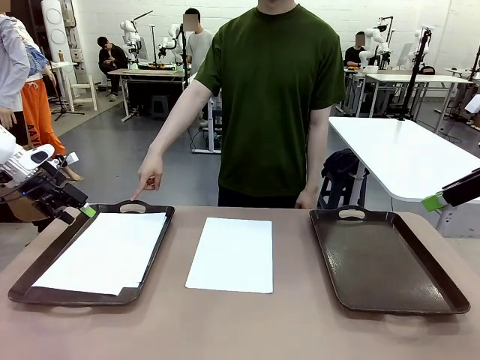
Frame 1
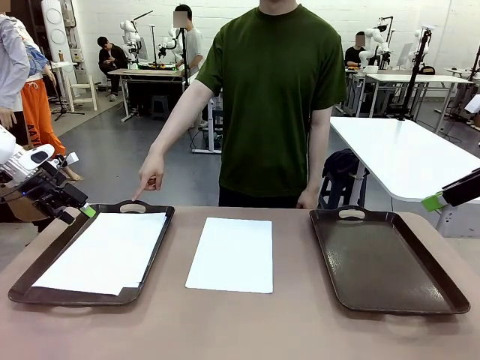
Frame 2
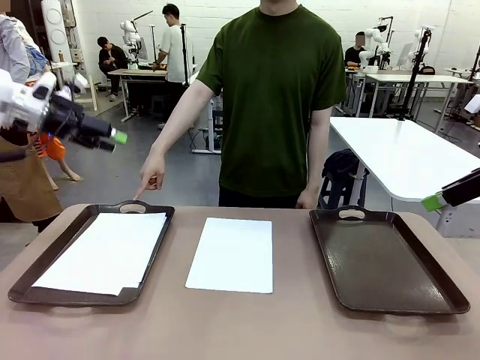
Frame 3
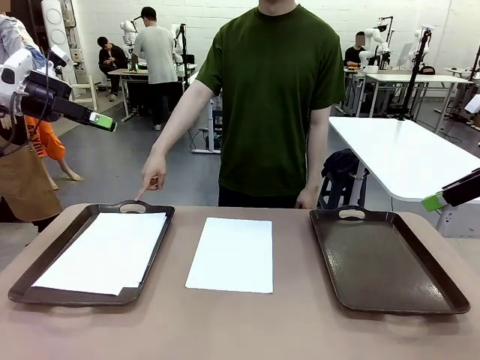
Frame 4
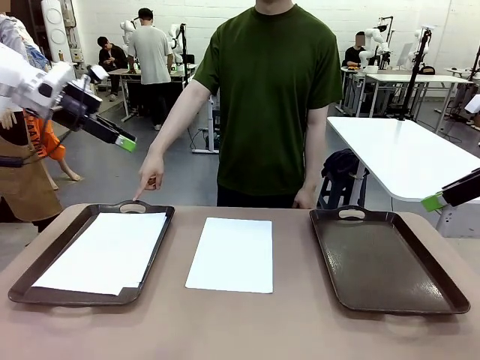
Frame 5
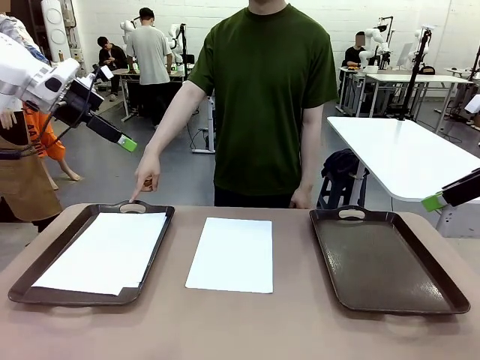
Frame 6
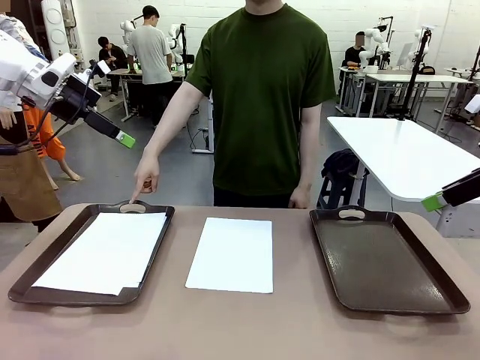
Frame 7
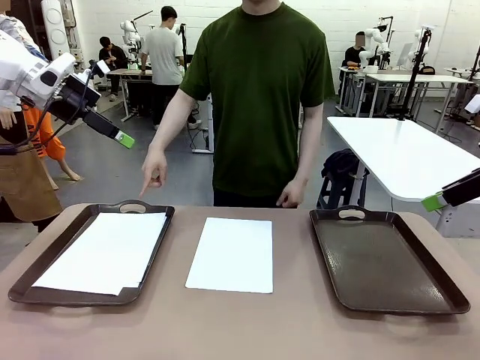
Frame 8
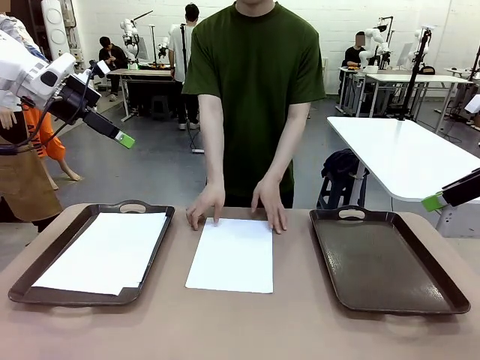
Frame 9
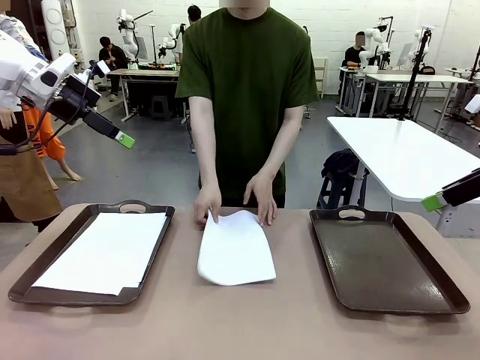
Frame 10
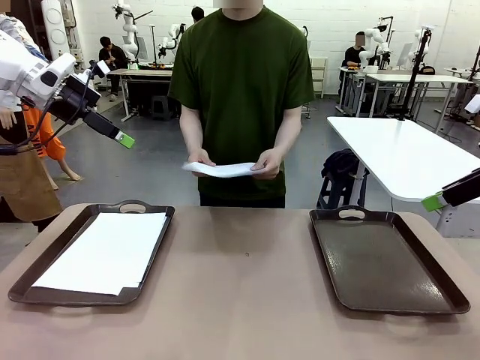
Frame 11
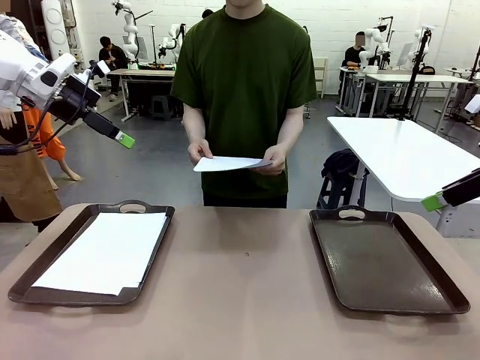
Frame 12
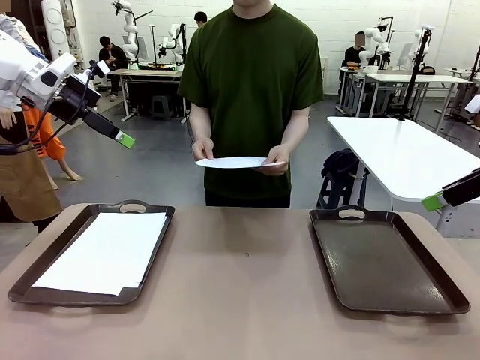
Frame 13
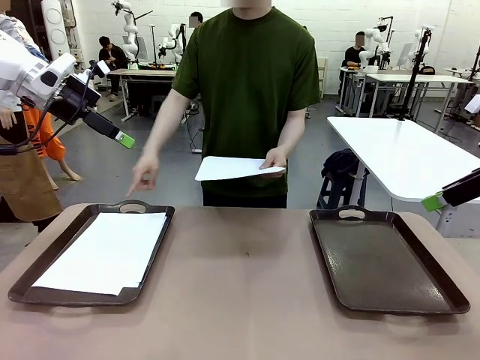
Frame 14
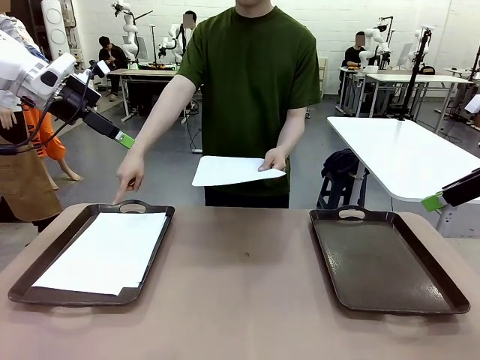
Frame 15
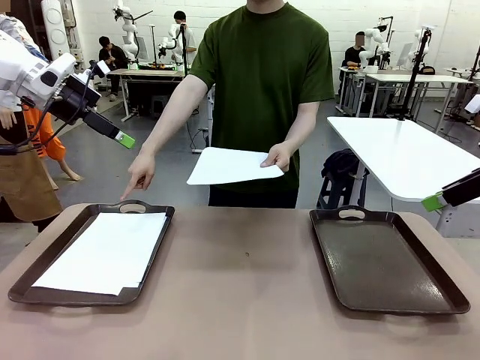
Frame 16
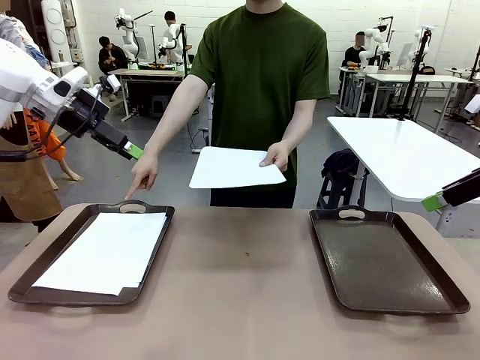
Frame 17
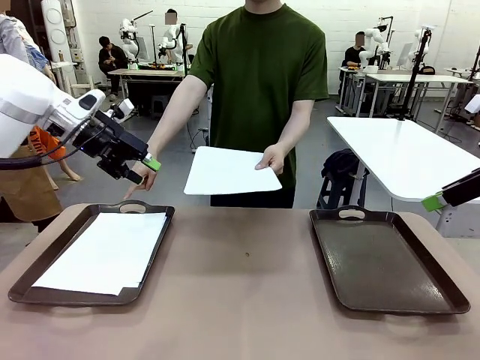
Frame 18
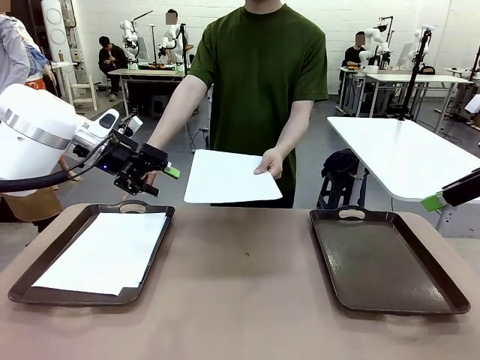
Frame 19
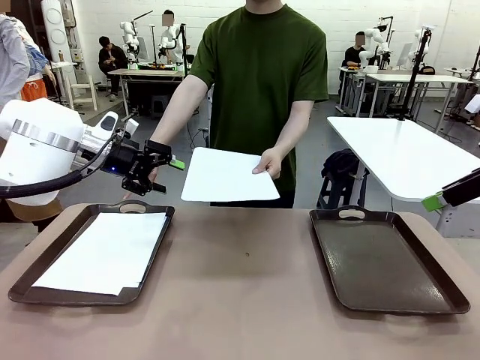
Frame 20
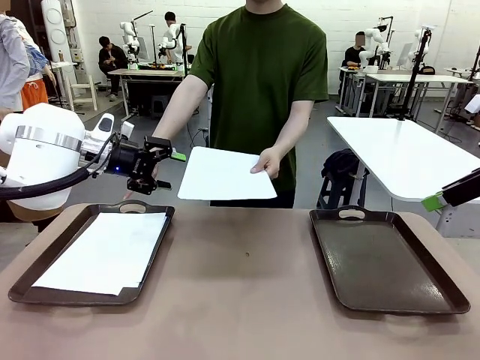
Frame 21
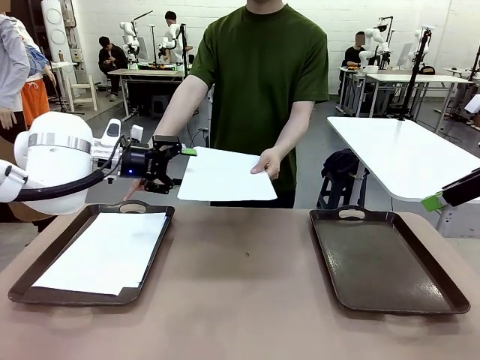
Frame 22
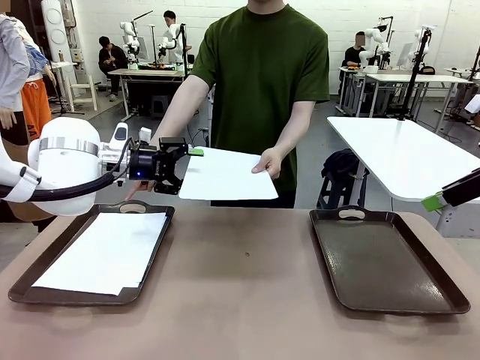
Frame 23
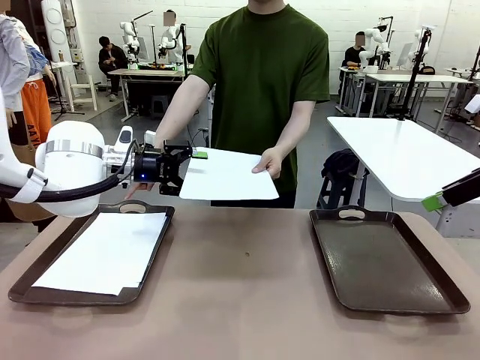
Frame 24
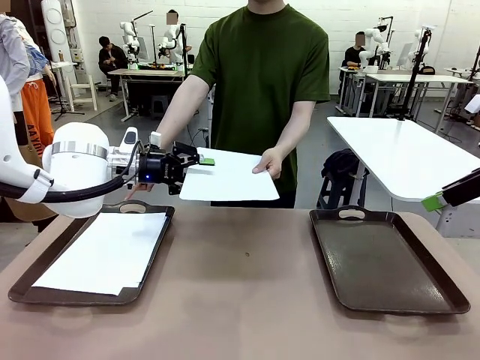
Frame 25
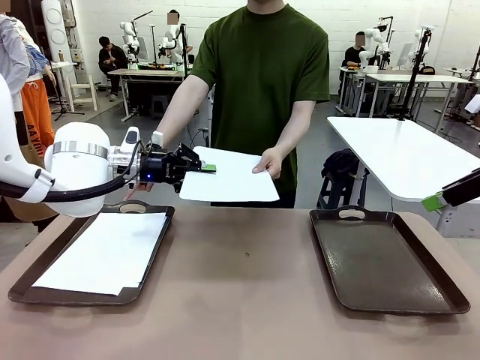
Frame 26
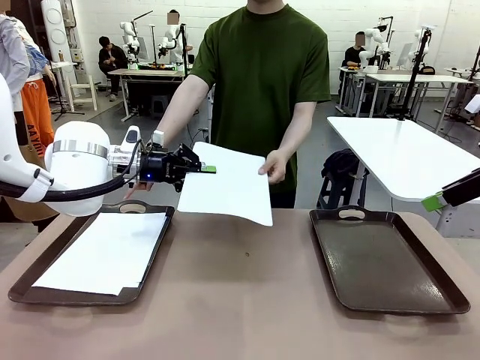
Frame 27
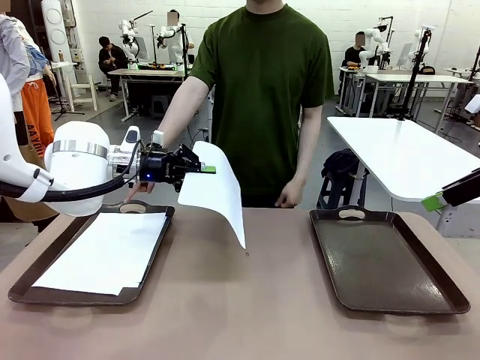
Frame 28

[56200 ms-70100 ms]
Task: Sort the A4 documents.
Robot: Receive the A4 Paper.
Person: Point the randomly selected tray with the other hand.

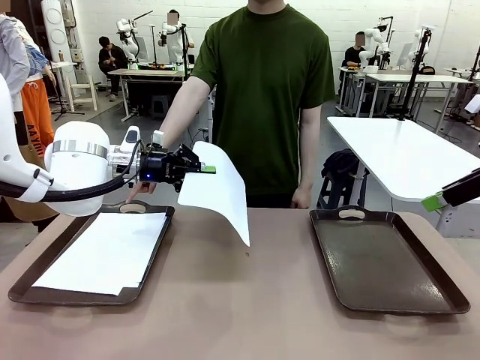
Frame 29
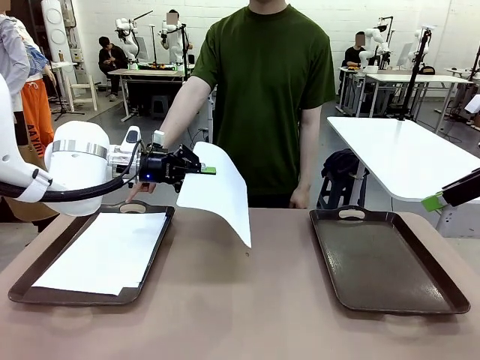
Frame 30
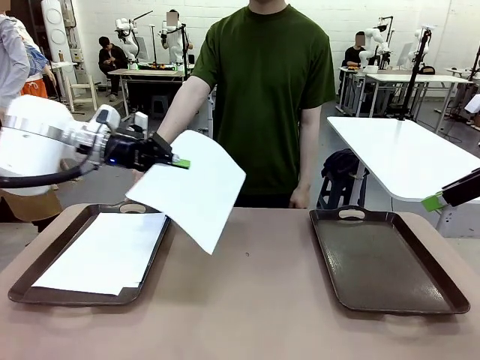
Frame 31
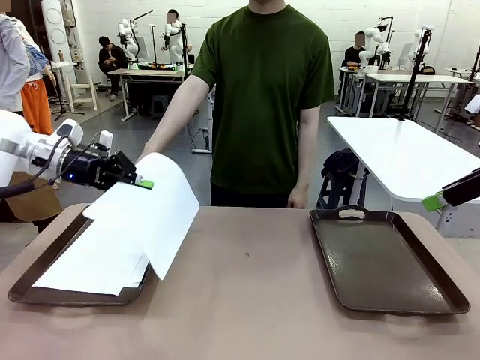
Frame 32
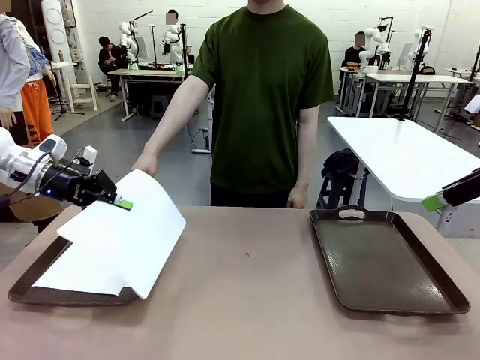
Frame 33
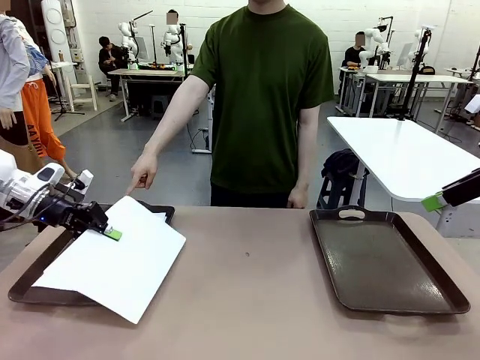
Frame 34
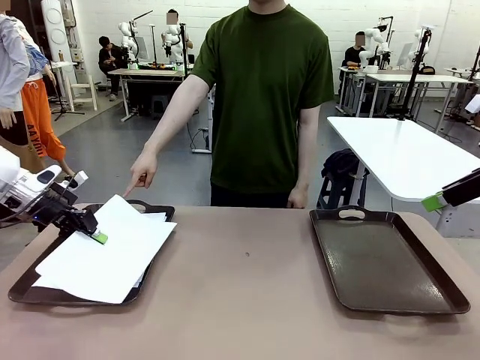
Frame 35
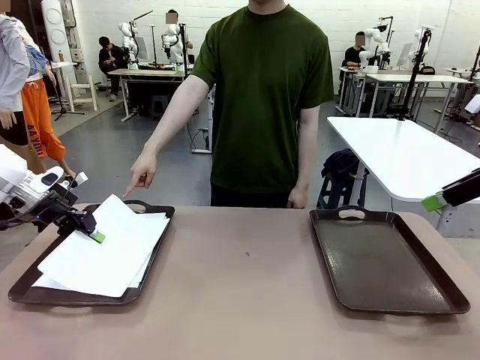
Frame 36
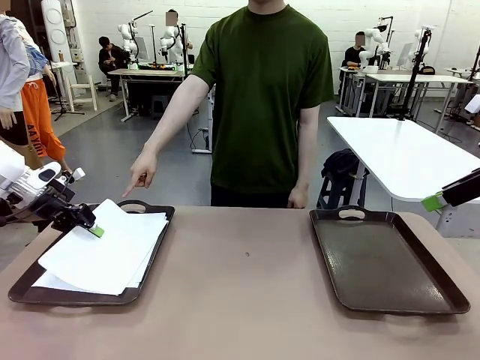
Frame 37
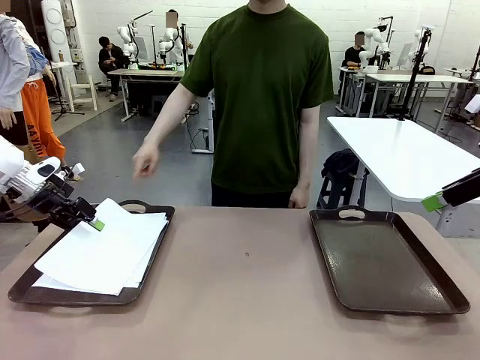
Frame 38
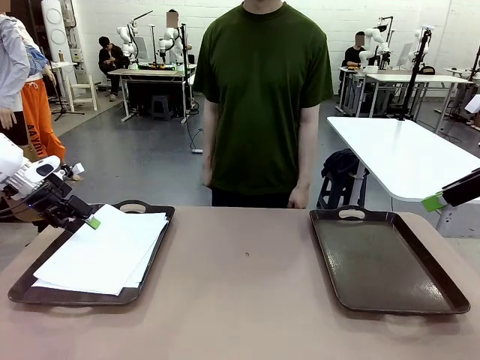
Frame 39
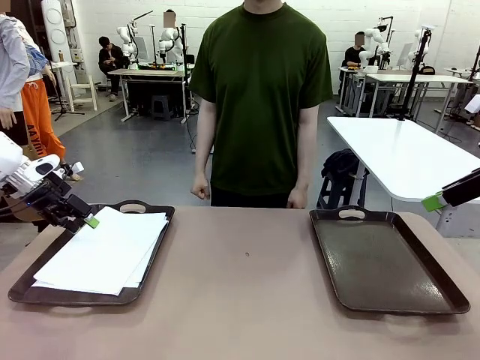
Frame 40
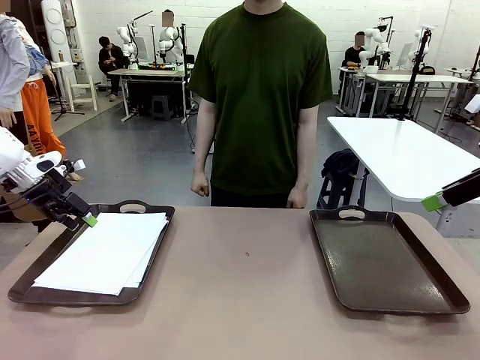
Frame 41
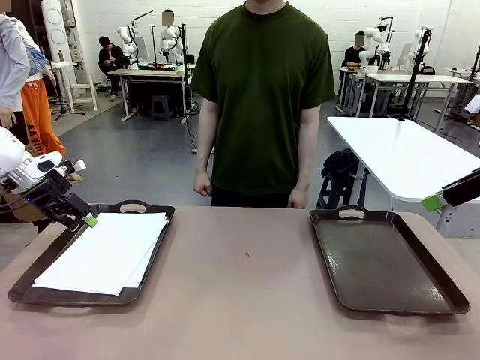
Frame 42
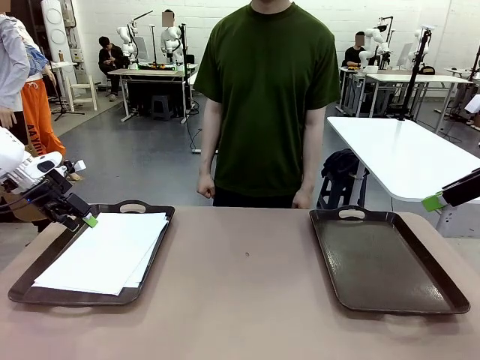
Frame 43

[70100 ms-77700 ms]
Robot: Place the A4 Paper in the designated Handle tray.

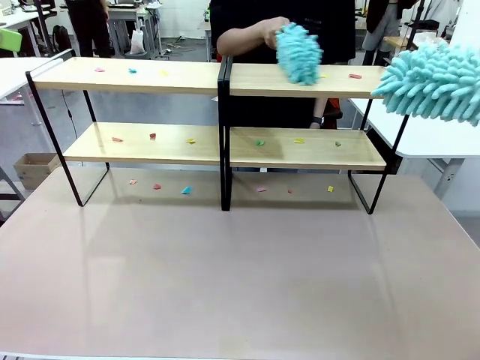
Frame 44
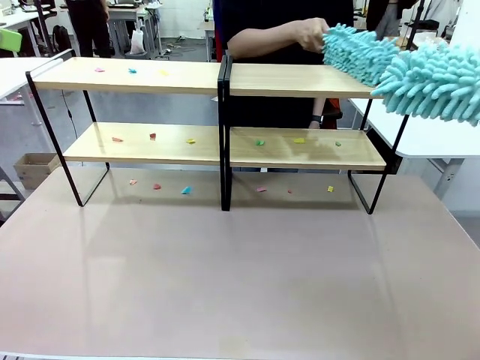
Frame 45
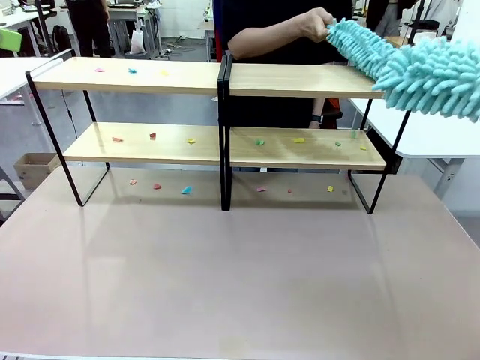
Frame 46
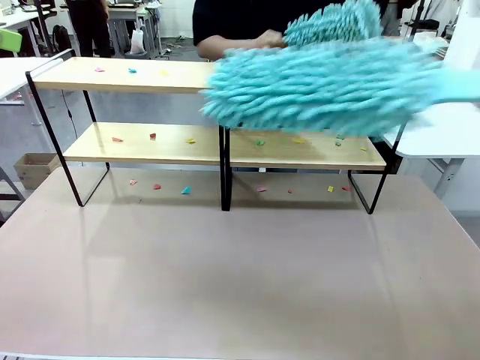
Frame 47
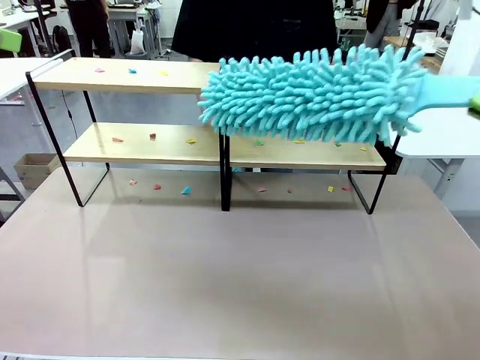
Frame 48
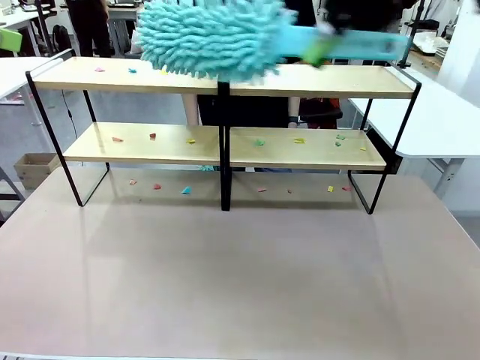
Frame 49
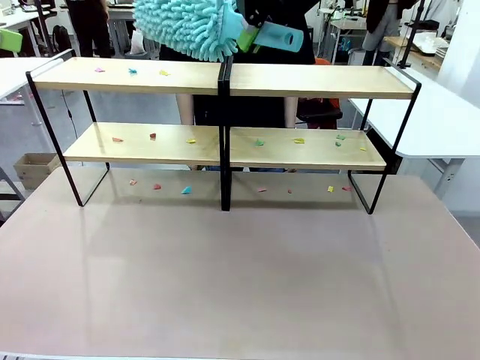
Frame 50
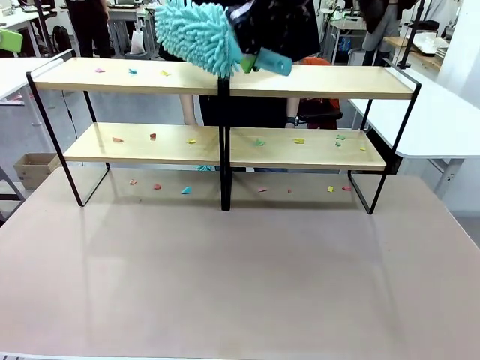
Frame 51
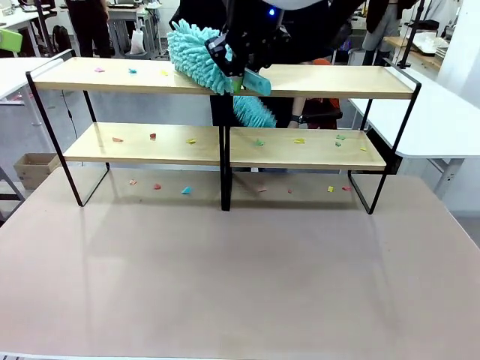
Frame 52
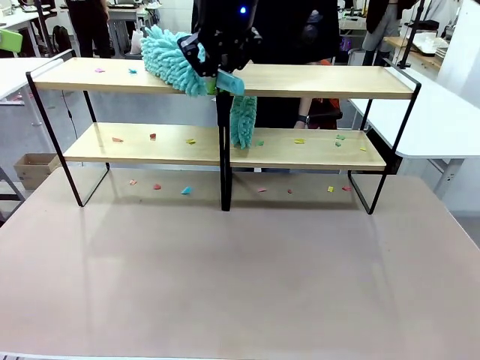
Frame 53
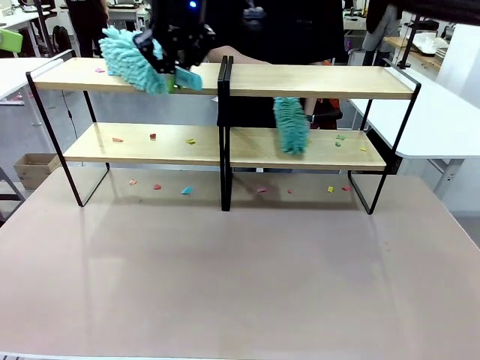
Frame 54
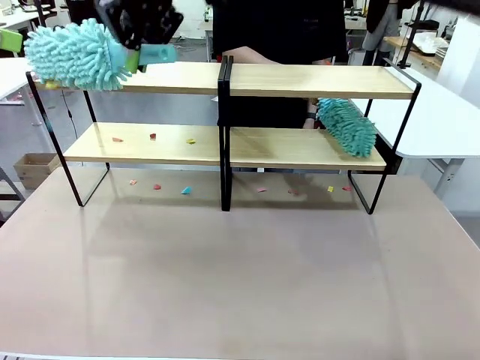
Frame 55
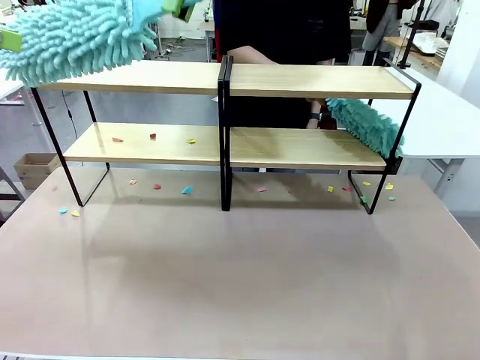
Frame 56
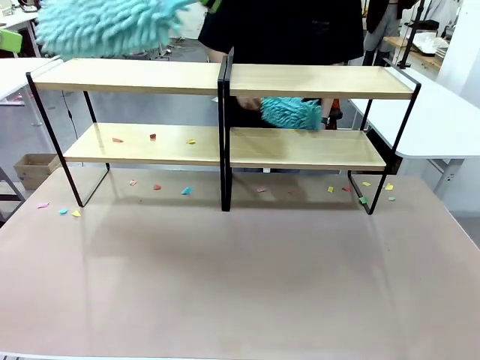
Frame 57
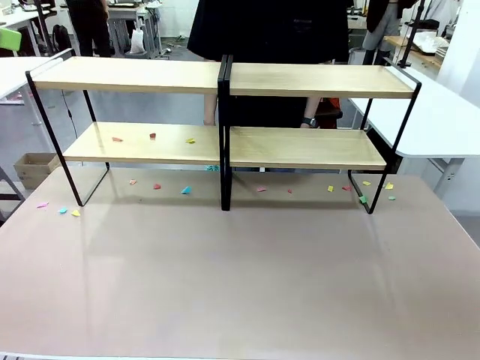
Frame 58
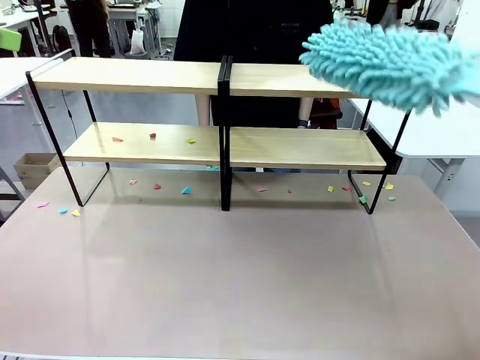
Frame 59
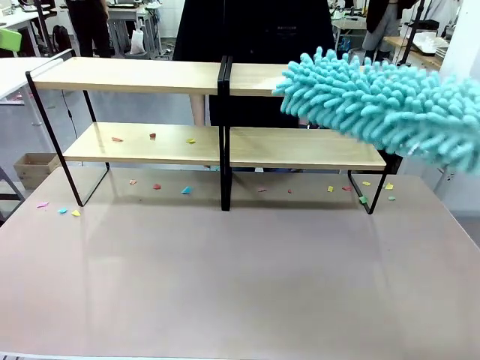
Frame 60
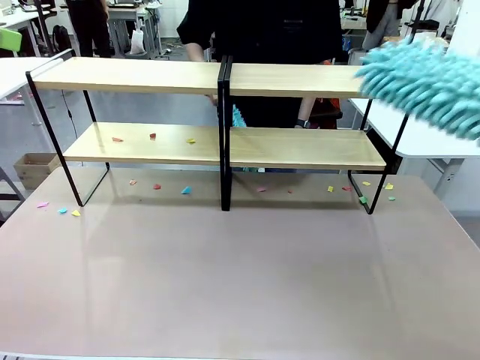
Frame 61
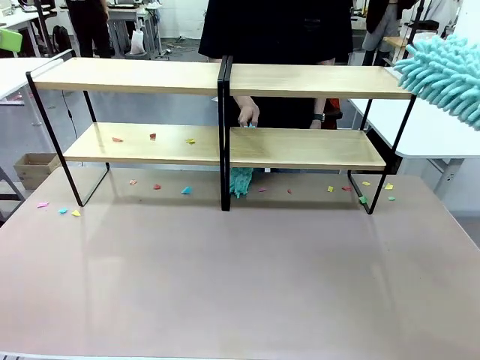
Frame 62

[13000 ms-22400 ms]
Task: Clean the shelves.
Robot: Clean a randomly selected level of the Shelf with the Duster.
